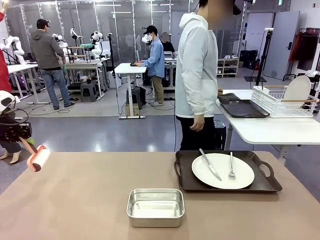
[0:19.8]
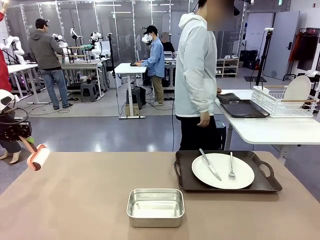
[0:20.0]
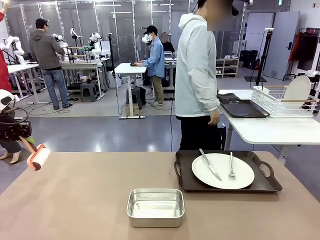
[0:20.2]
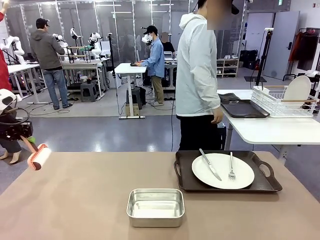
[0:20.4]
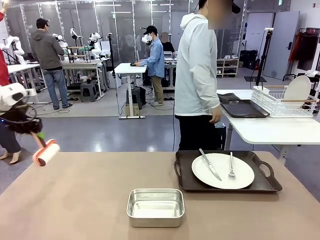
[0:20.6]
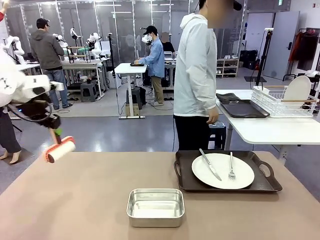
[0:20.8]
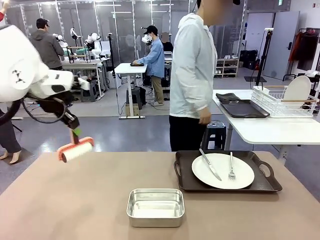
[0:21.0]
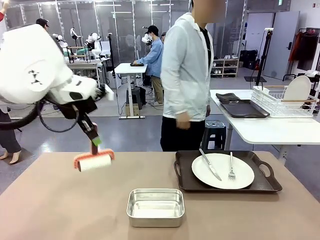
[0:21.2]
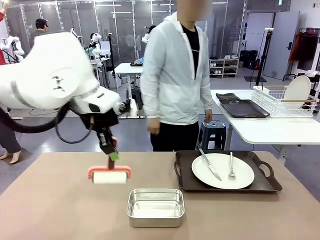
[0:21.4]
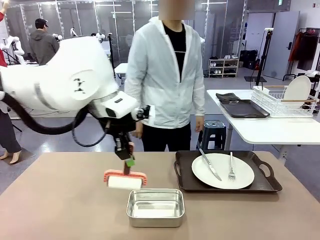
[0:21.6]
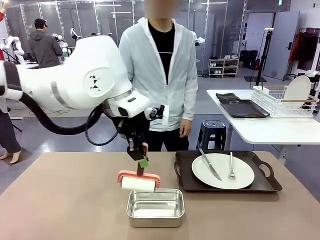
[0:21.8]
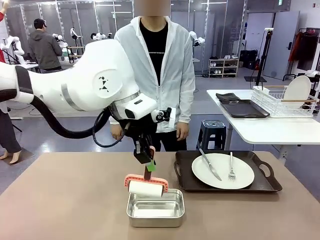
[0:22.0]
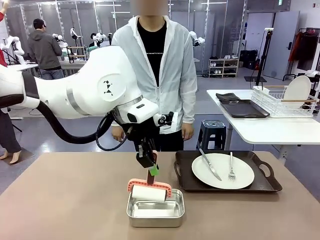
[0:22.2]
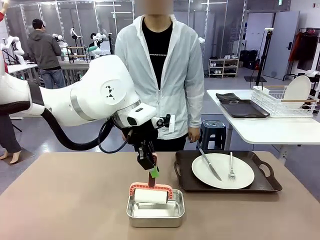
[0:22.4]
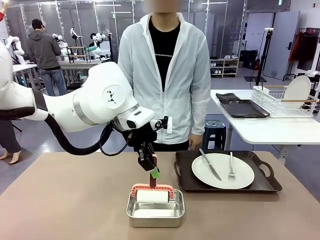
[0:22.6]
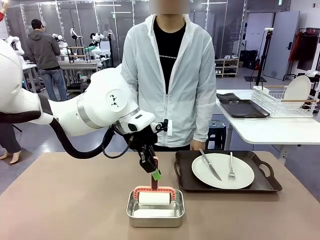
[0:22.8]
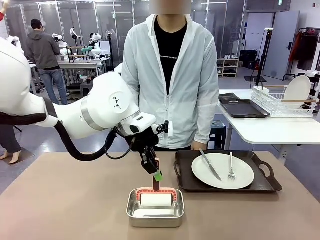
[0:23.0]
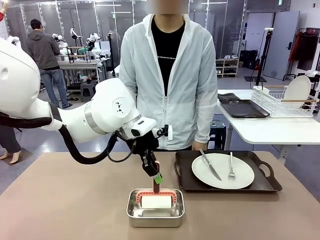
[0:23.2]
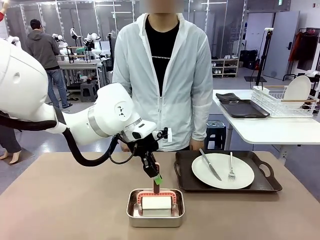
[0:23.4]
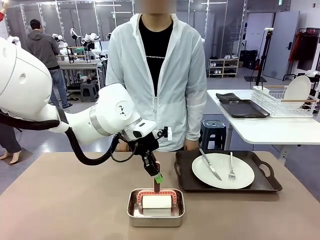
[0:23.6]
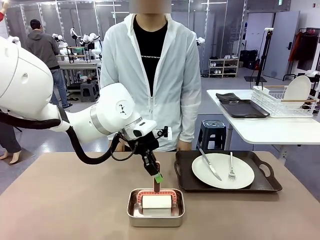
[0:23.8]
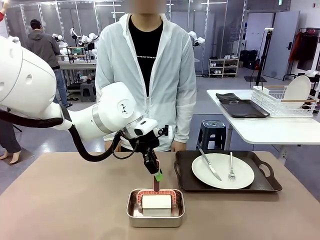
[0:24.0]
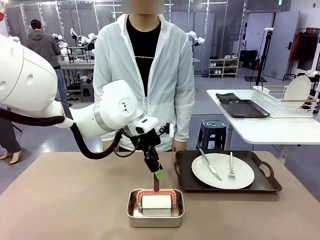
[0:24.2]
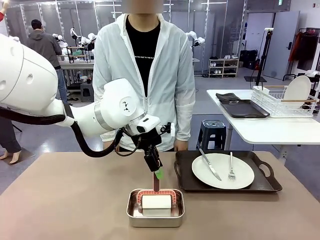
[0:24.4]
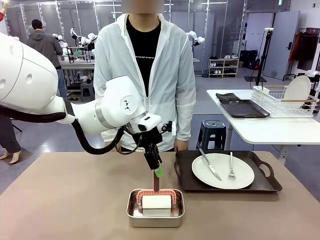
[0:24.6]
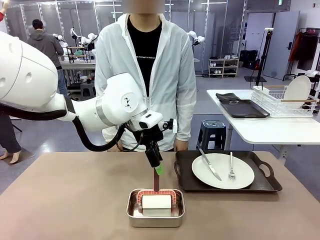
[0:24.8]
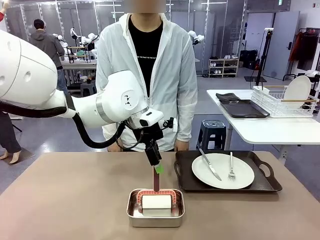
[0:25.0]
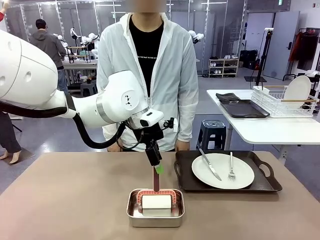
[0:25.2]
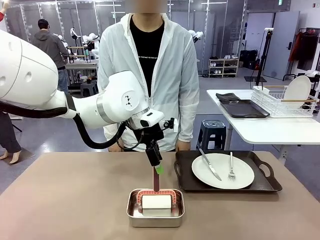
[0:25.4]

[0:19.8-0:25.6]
Robot: Place the Lint Roller back on top of the Airtight Container.

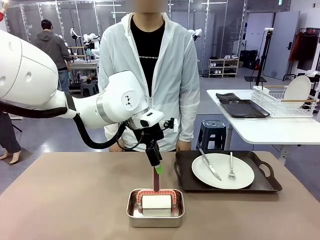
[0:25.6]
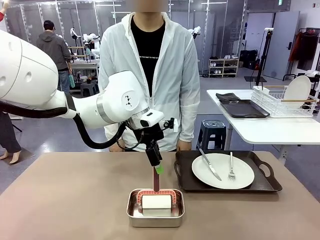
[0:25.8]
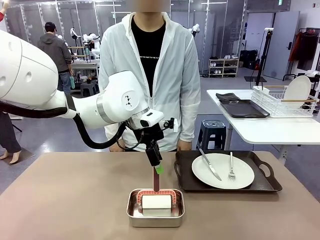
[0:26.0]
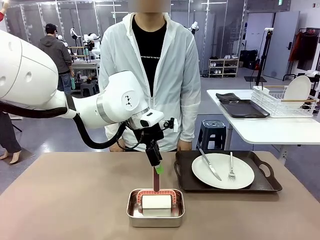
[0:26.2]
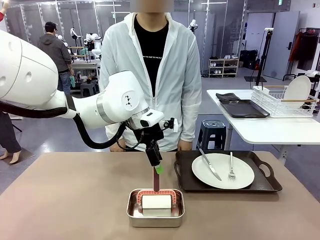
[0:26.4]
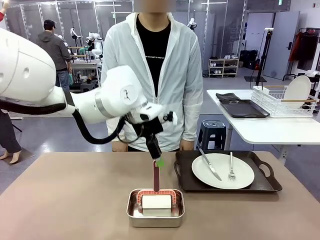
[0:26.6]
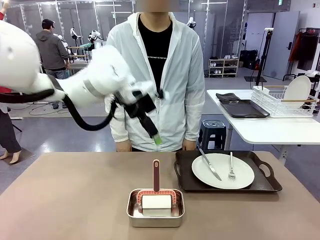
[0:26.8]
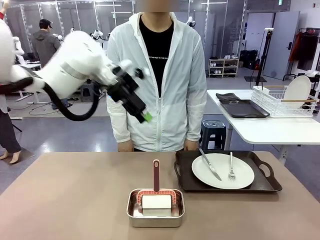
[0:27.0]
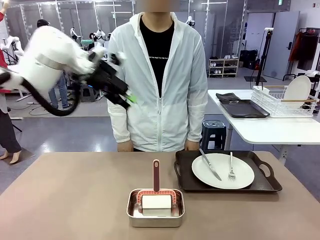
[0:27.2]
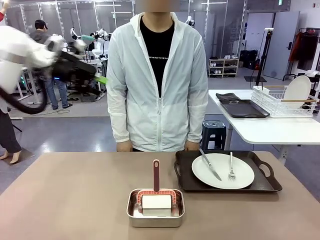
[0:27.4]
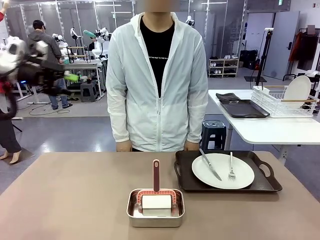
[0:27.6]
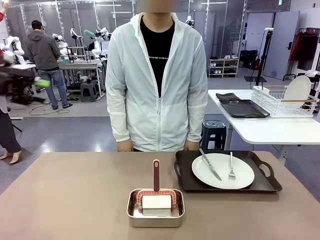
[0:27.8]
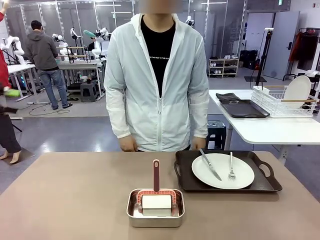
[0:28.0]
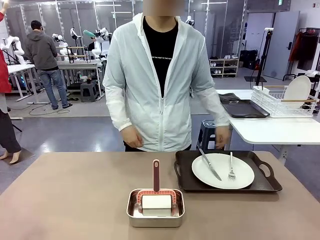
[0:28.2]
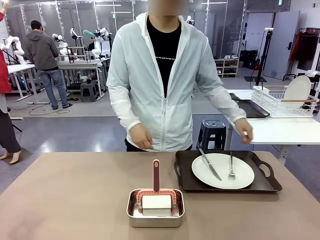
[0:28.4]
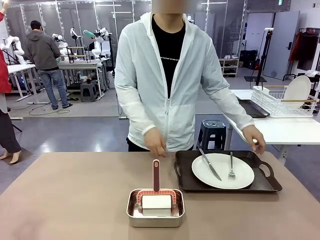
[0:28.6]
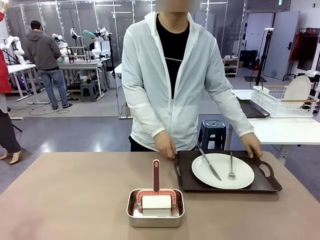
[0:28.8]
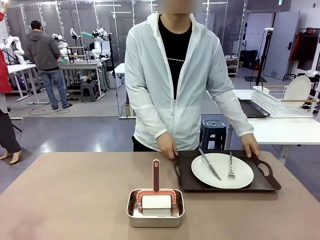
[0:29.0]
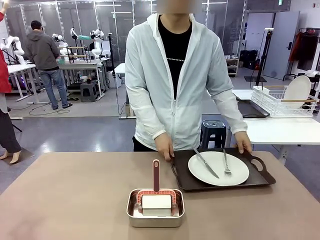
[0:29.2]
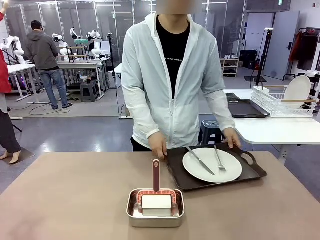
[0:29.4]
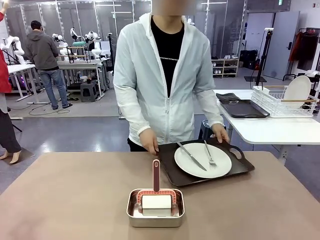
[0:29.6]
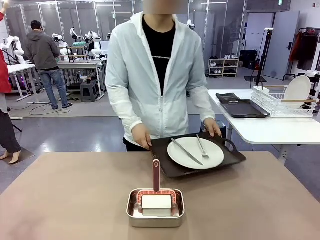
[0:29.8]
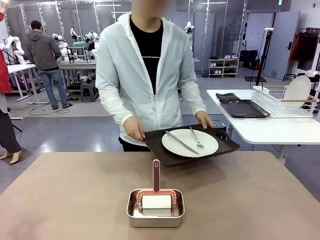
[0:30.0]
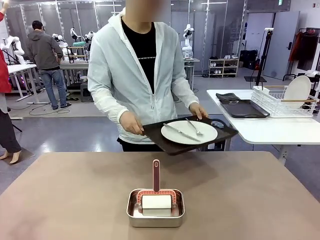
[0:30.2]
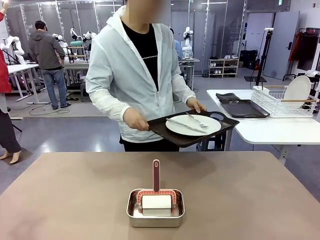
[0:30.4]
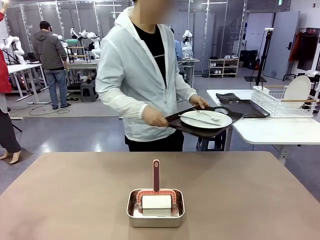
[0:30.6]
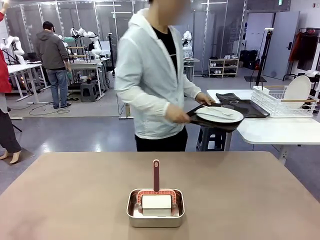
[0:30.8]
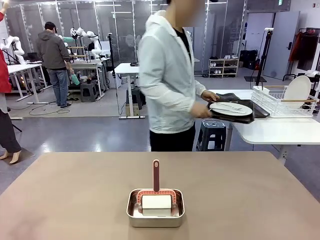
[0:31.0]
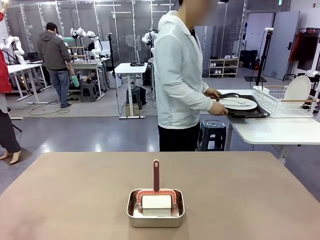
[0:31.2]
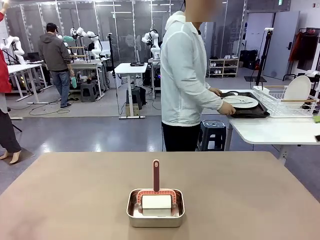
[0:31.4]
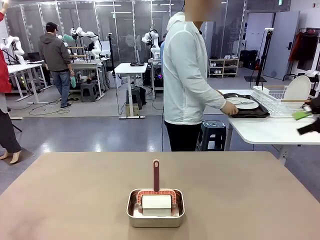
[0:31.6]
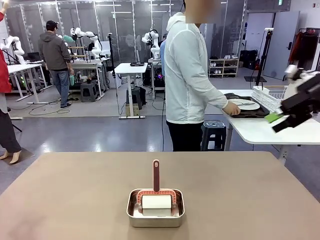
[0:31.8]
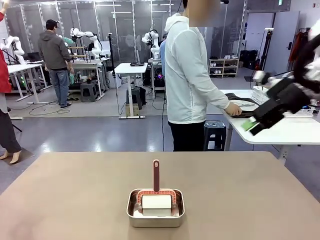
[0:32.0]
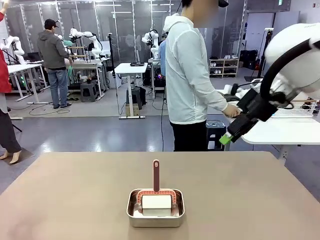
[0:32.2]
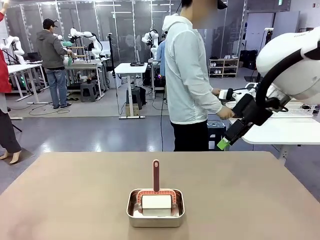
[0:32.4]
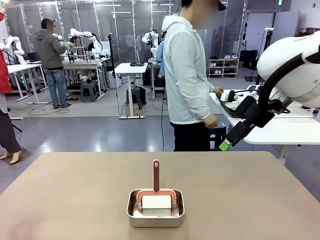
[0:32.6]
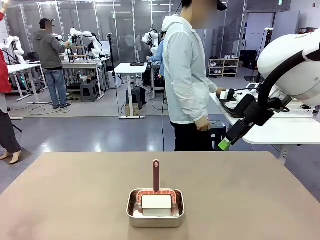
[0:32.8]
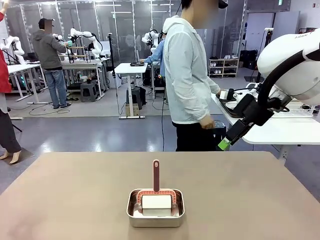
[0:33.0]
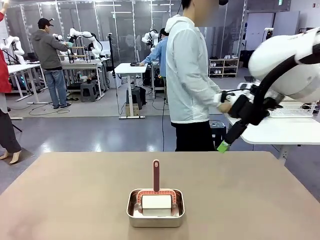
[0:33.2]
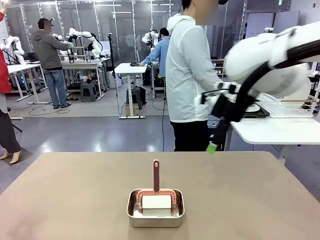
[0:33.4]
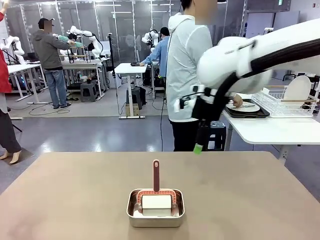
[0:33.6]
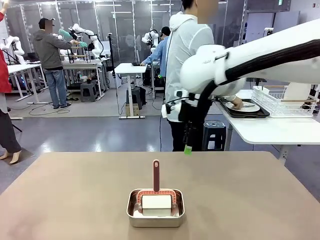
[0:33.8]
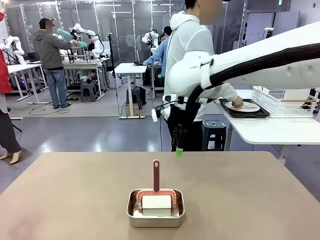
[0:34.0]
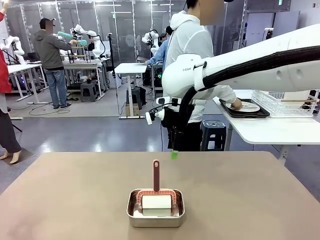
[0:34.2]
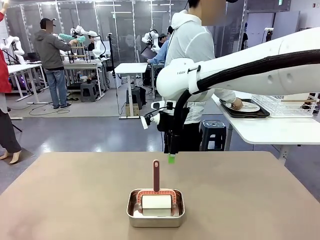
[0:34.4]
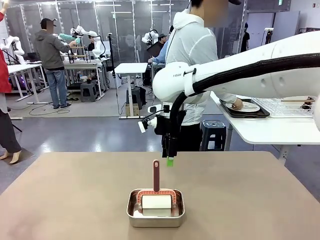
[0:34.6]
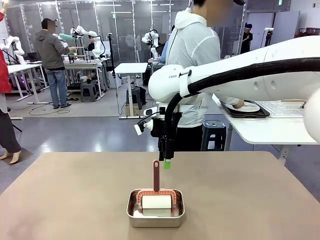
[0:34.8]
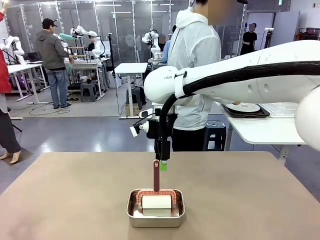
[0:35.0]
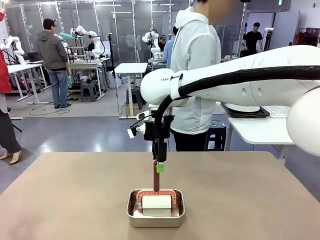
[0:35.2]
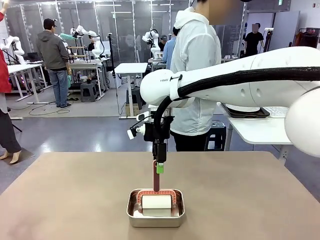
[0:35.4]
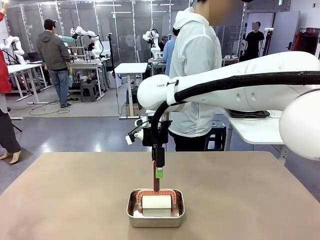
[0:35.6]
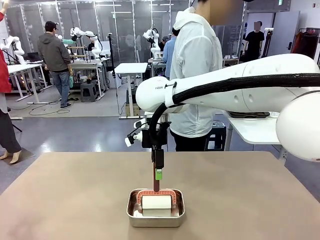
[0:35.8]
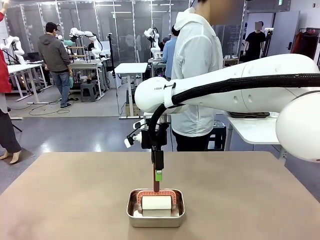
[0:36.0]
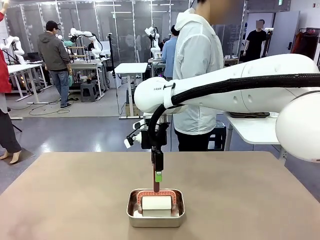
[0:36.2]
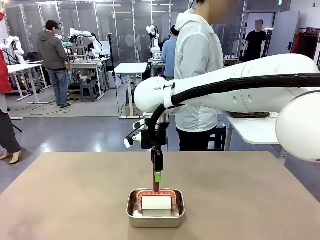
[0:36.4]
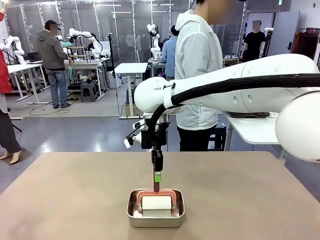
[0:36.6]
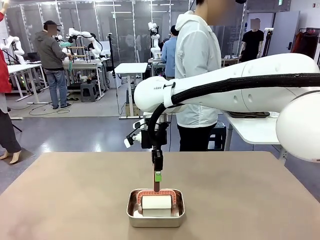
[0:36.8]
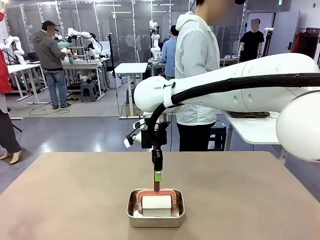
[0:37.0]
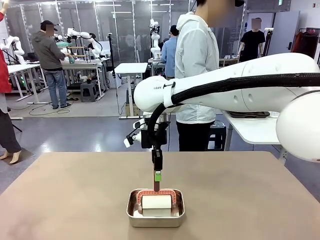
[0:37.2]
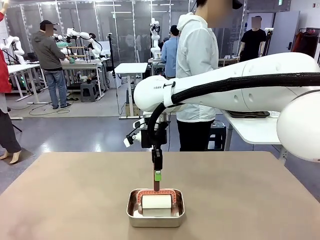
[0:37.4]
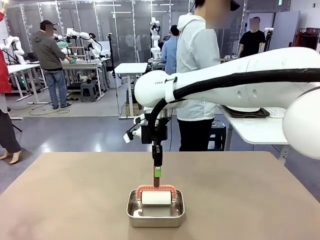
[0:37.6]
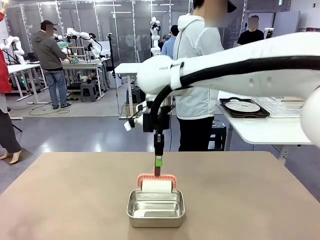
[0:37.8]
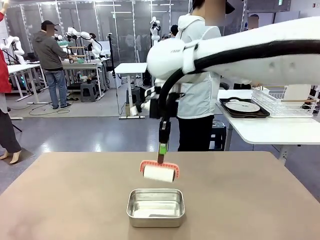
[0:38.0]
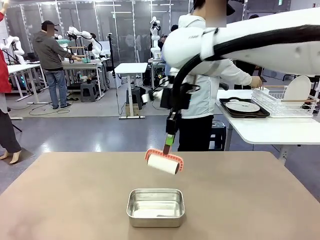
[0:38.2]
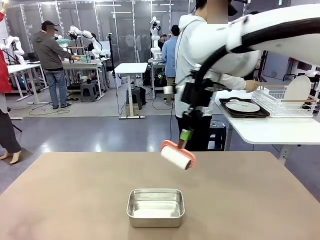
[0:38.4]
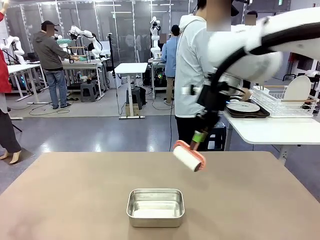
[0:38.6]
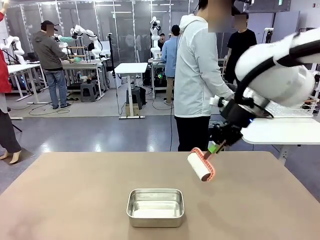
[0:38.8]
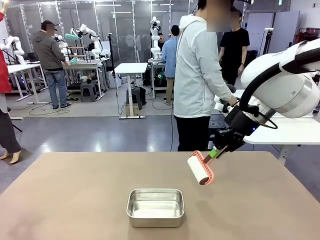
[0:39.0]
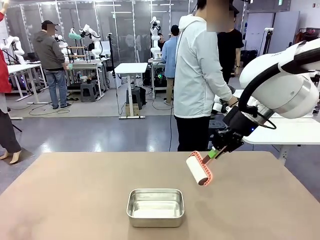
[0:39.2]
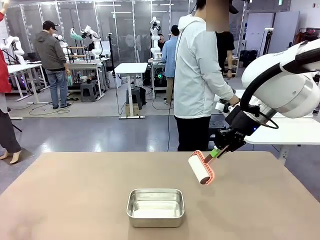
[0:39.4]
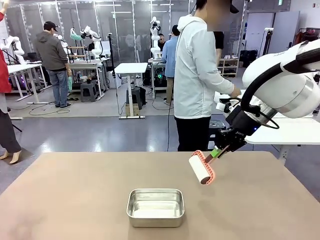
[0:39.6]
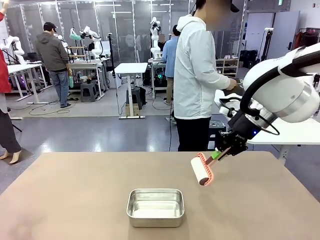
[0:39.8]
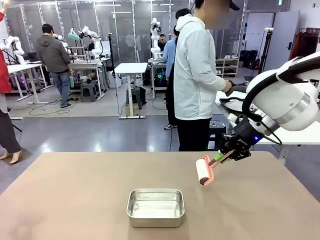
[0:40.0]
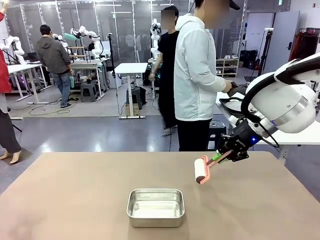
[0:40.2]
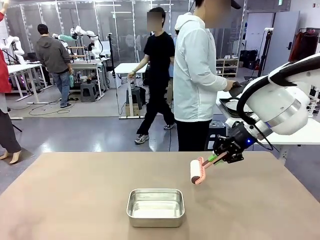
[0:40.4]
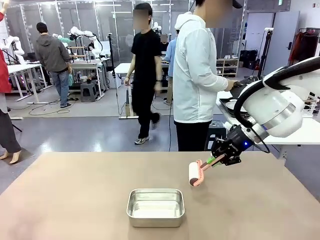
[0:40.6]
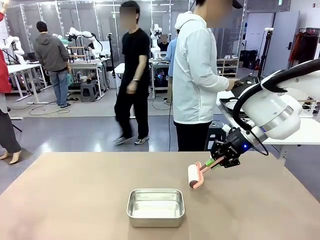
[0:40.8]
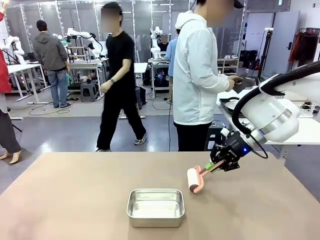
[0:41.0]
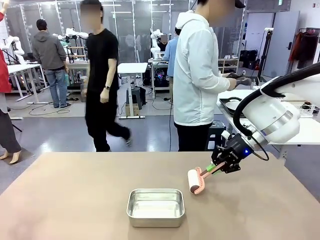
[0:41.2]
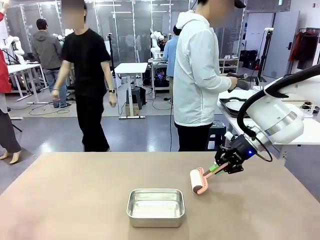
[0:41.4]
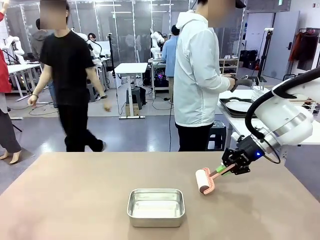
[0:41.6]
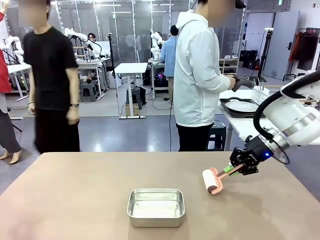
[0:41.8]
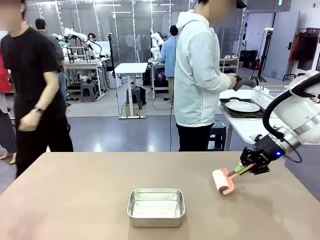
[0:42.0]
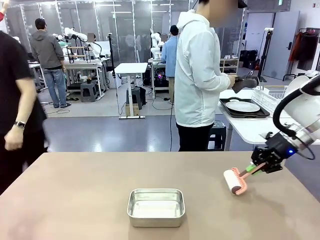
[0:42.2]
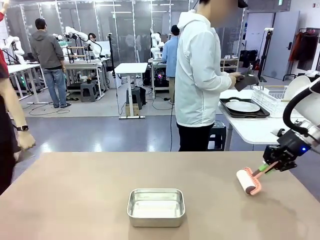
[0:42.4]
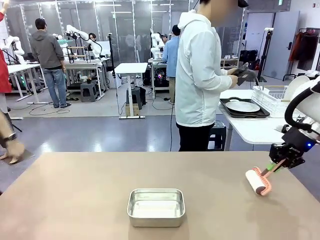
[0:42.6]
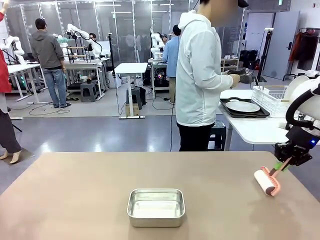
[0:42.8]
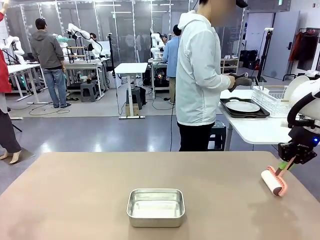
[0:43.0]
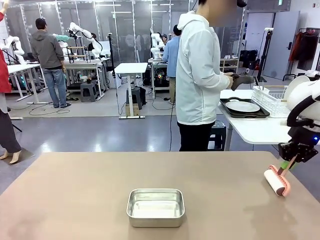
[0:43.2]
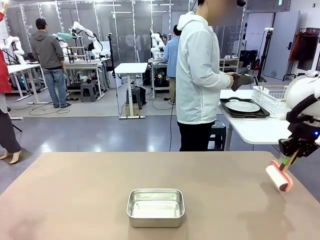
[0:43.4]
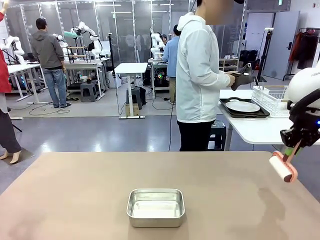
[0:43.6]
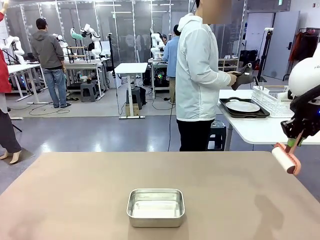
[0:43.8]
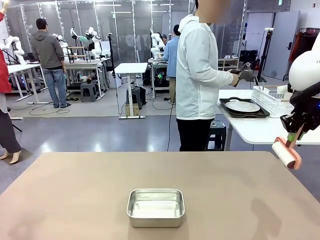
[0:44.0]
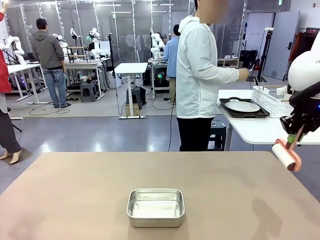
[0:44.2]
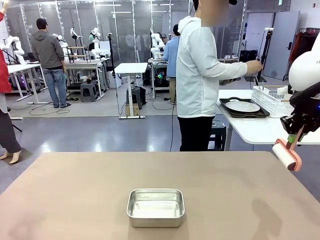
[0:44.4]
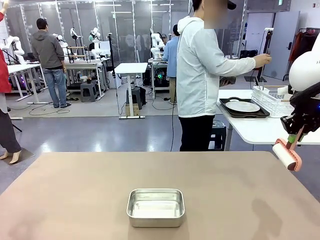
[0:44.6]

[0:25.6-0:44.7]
Robot: When the right (or left) Handle tray is removed, use the right hand (or left hand) to clean the right (or left) side of the table with the Lint Roller.
Person: Pick up the left (or right) Handle tray and place it on the Handle tray. Use the Towel with hook to wipe the Plastic Matte Plate , Fork , and Knife and place into the Dish drying rack.
